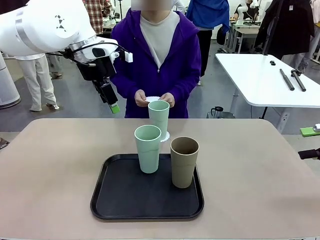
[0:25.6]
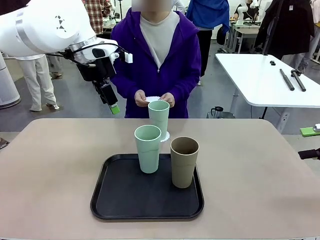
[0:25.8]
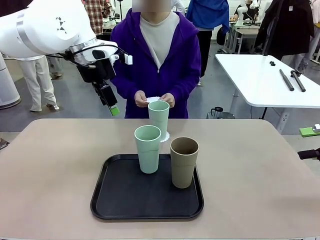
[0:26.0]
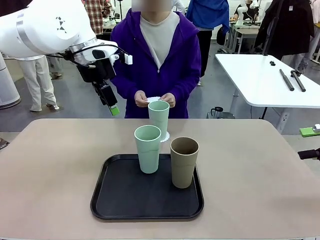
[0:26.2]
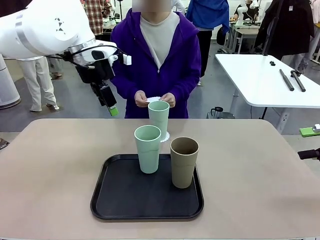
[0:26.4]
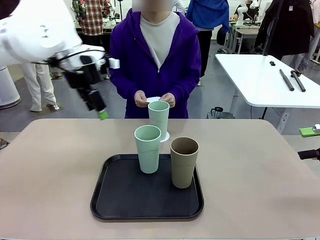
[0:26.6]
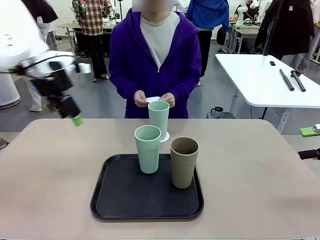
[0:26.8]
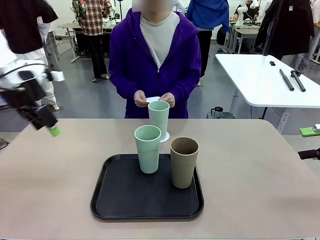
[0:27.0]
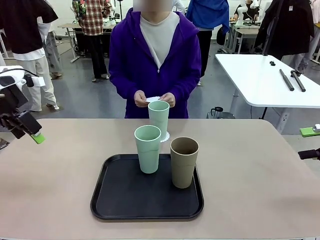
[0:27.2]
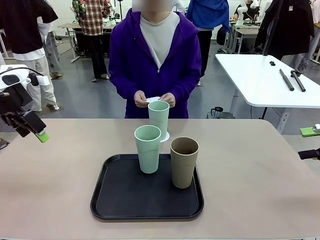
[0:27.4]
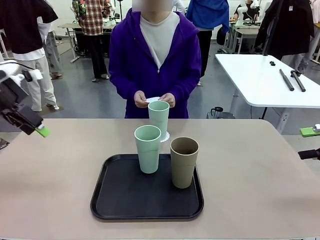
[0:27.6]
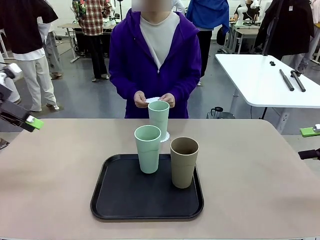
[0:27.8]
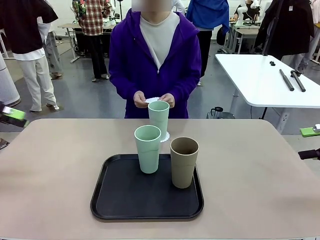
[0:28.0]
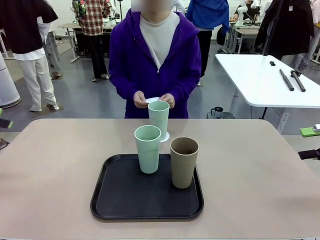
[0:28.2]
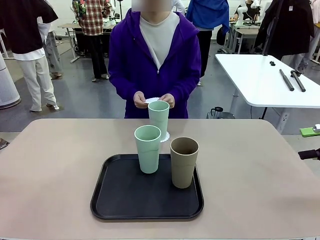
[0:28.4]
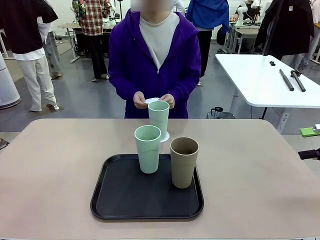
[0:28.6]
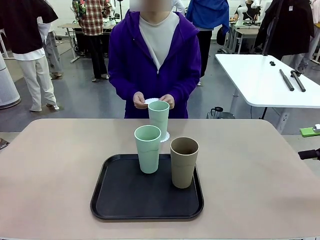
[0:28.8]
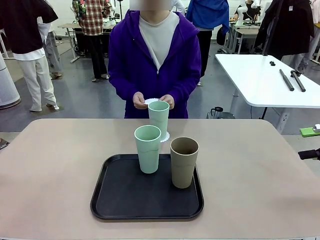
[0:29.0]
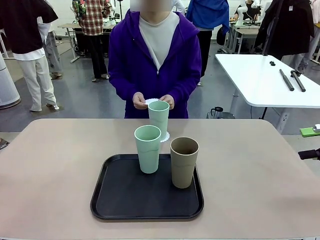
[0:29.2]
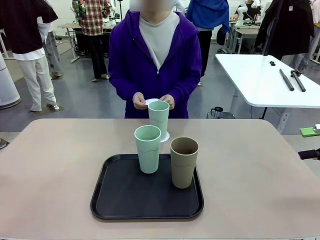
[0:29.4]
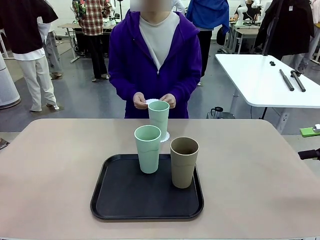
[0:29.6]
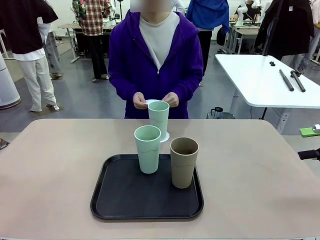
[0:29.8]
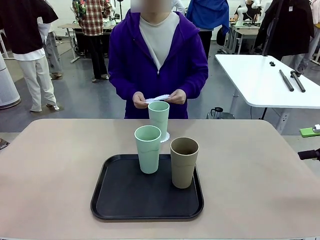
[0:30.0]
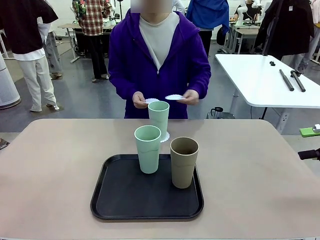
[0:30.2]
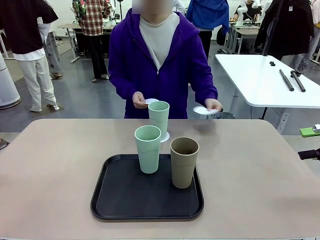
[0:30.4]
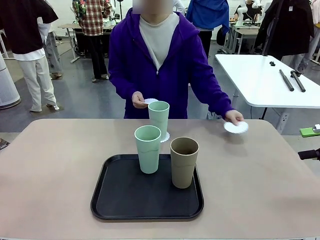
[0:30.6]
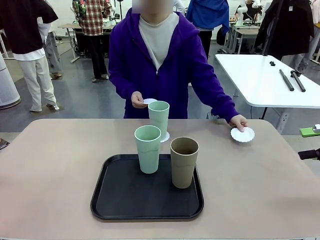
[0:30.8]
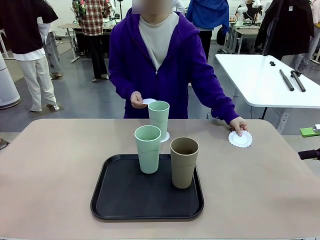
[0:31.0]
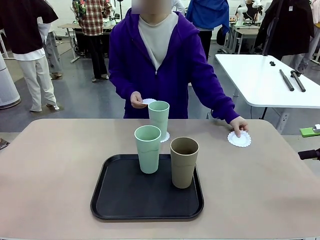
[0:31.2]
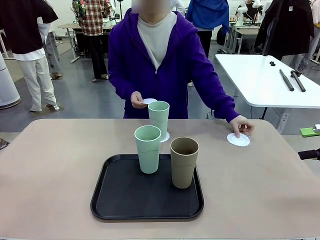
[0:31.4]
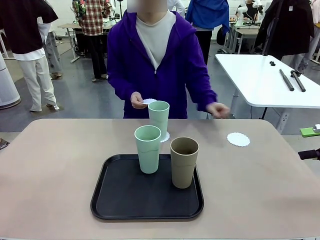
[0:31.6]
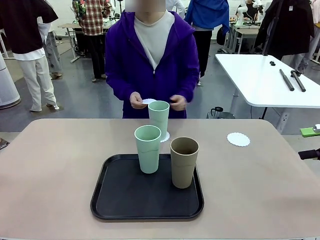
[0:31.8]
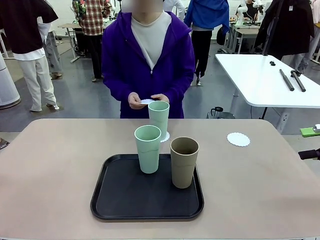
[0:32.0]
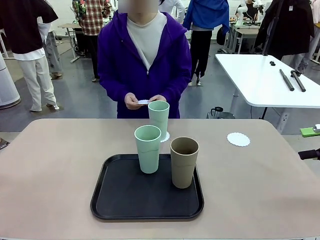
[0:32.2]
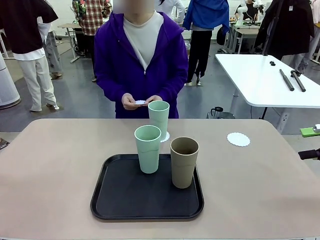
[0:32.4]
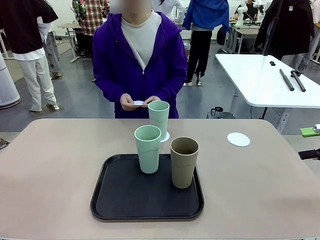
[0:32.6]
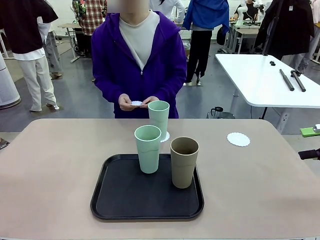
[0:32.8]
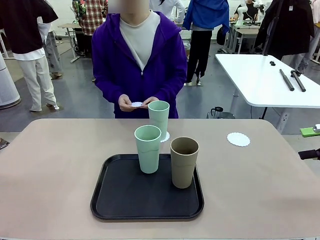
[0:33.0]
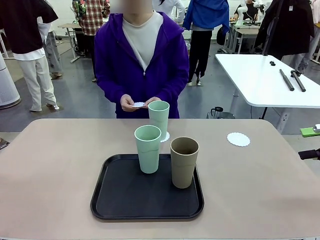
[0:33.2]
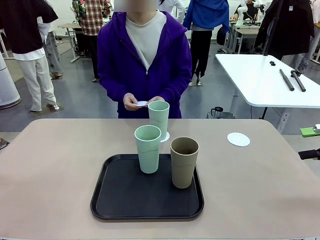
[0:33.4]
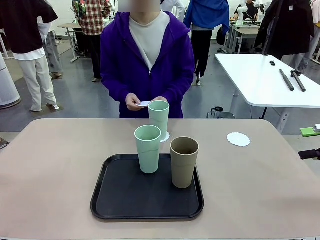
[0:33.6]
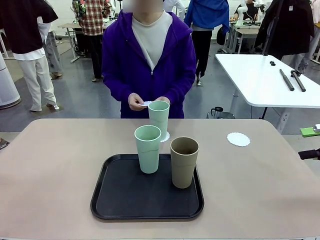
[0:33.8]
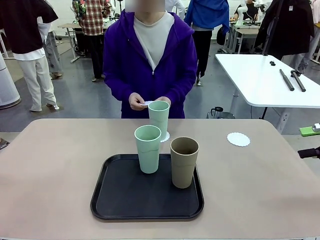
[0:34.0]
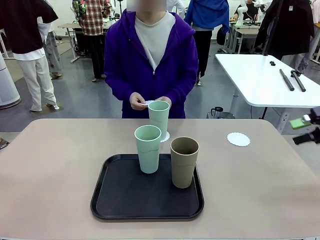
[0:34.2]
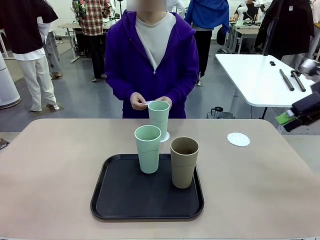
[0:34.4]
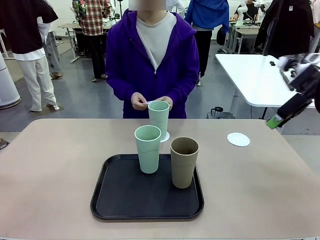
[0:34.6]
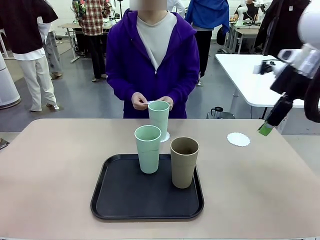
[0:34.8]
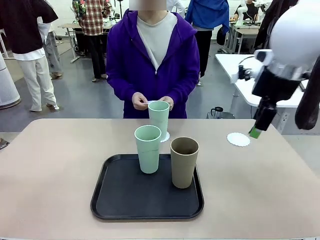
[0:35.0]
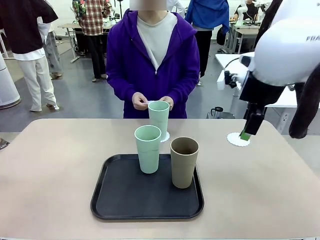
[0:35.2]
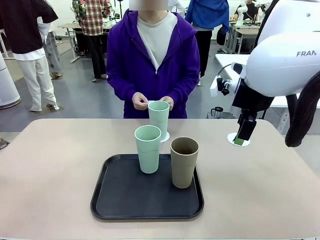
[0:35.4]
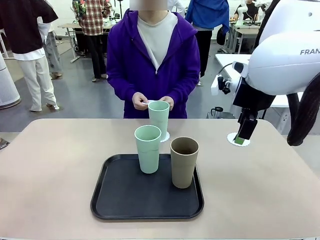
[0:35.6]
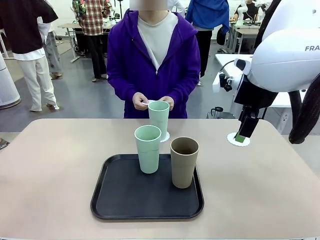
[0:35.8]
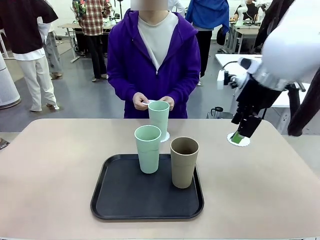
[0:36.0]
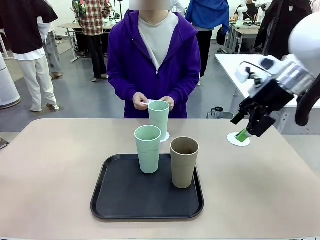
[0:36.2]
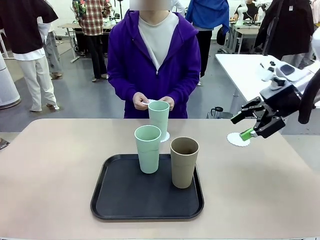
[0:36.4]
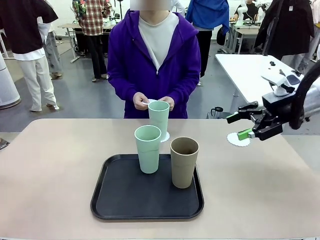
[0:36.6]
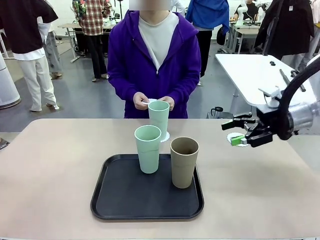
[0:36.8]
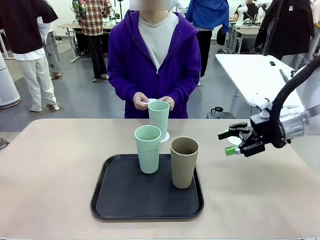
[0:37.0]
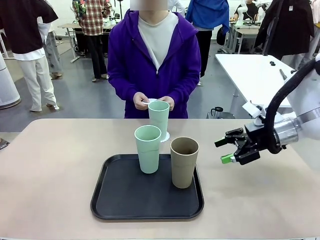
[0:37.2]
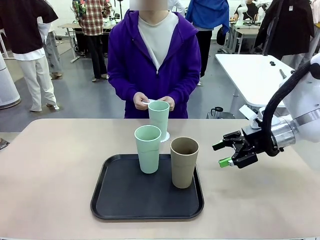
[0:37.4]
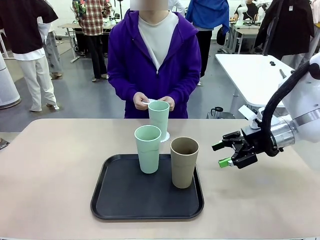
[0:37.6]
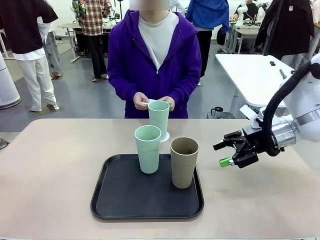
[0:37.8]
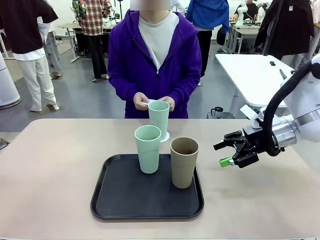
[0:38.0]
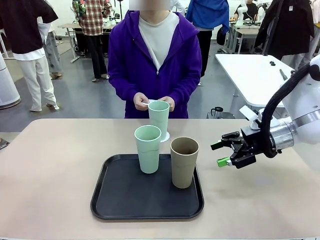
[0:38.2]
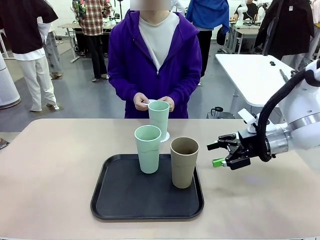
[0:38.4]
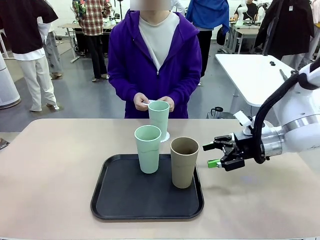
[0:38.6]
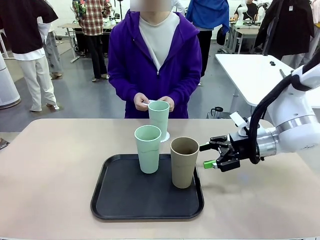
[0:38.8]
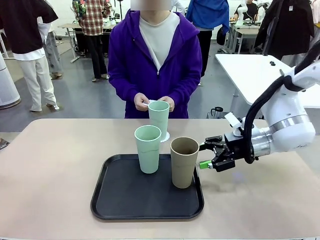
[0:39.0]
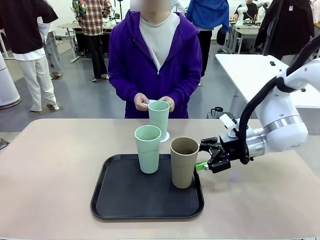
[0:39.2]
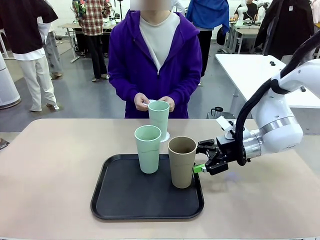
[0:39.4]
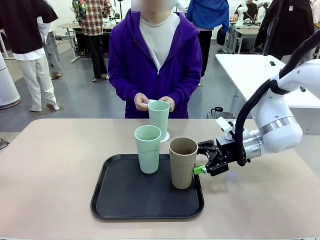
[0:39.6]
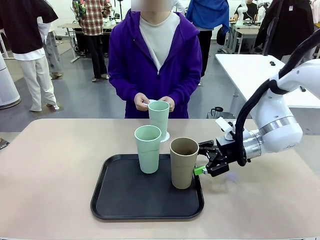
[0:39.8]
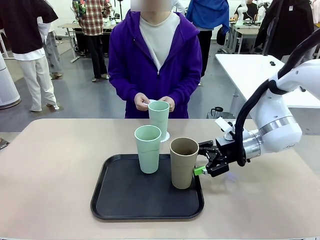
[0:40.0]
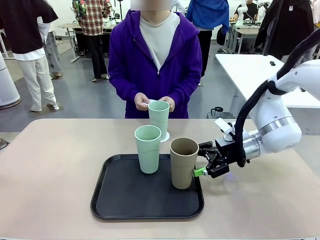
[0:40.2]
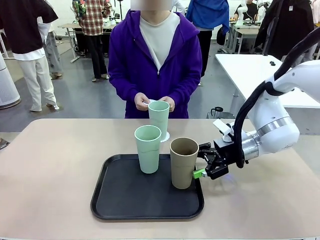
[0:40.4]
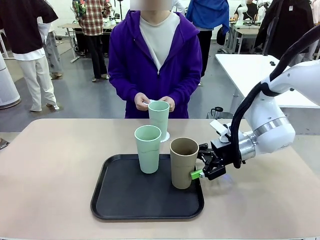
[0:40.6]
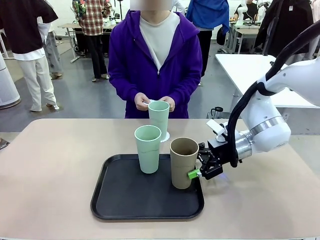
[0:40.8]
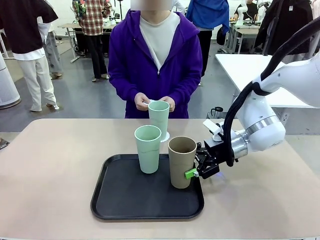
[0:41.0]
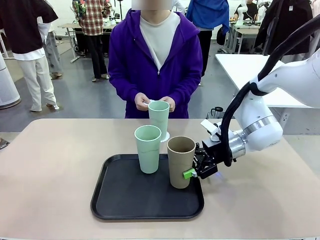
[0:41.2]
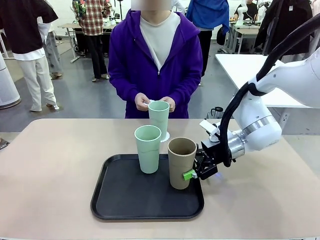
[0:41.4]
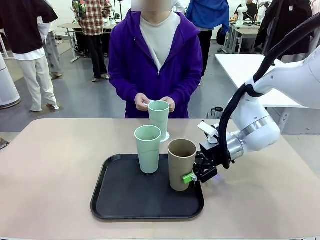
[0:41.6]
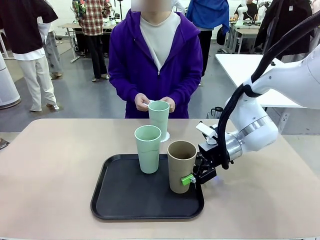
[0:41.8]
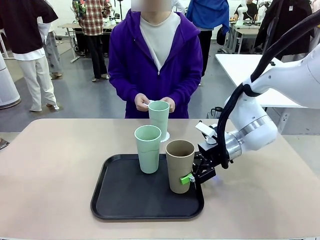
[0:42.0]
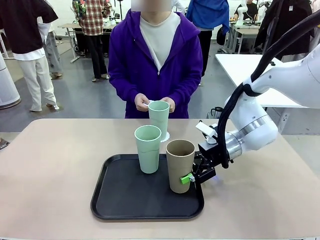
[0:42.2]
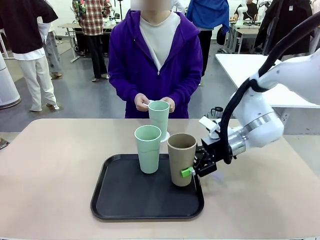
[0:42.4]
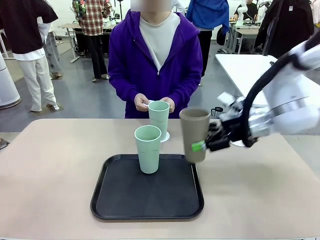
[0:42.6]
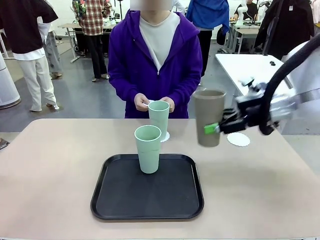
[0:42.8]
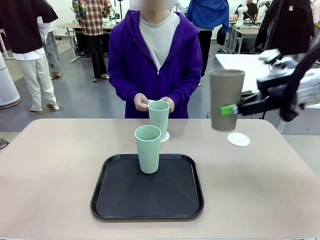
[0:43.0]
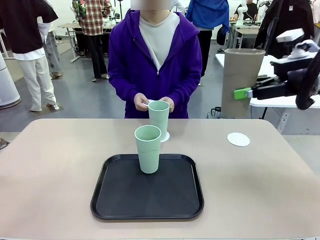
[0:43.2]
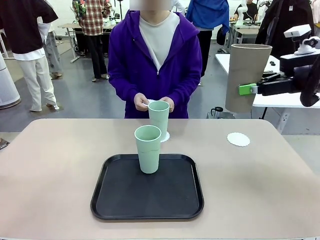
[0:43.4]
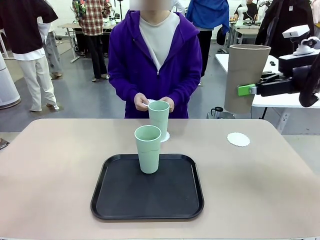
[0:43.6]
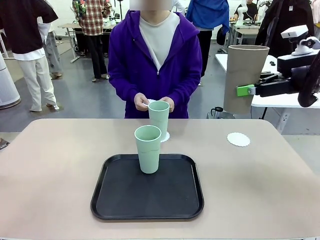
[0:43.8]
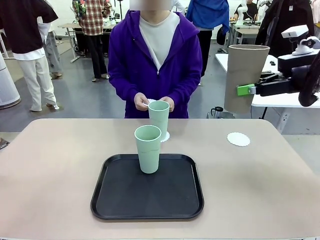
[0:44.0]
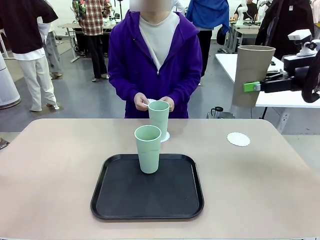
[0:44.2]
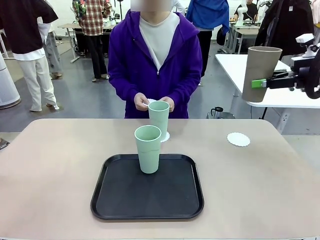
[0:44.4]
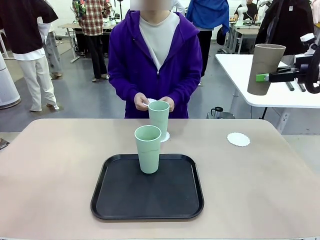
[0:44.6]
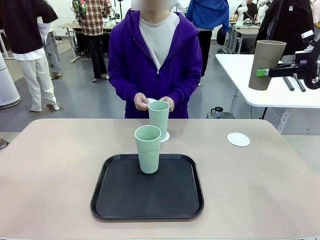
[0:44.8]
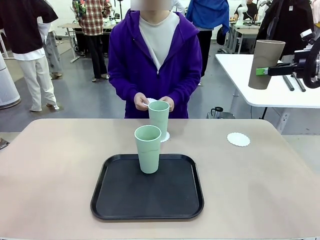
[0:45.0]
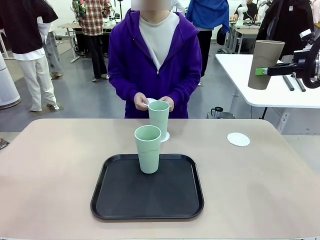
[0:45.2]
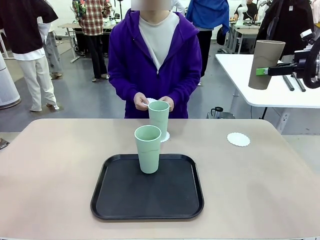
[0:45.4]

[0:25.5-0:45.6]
Task: Place coasters on the table and set cups on them.
Robot: Take one Reusable plastic cup from the Flat Tray and place it on a coaster set by the human.
